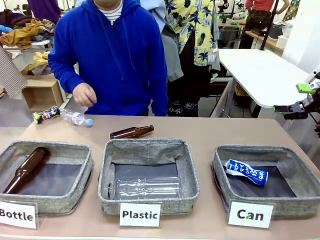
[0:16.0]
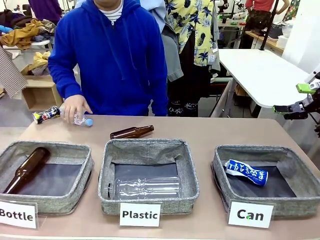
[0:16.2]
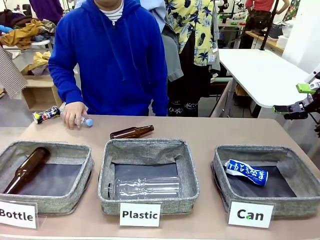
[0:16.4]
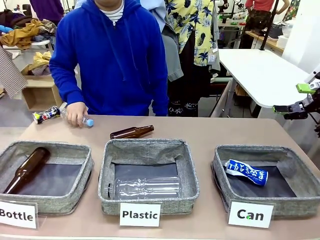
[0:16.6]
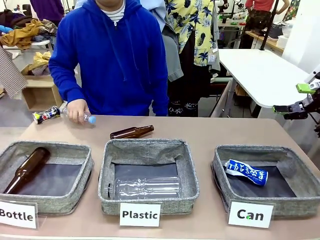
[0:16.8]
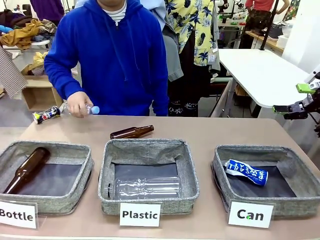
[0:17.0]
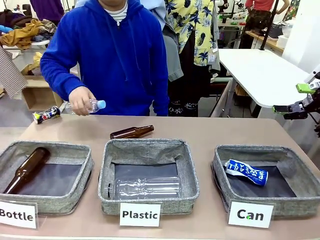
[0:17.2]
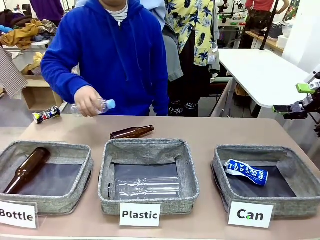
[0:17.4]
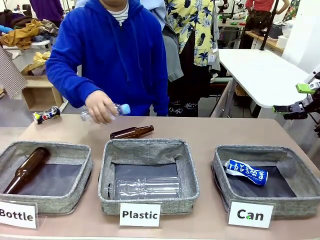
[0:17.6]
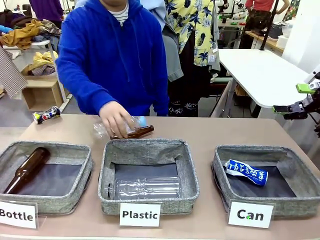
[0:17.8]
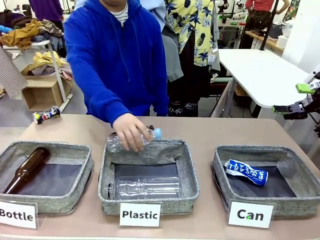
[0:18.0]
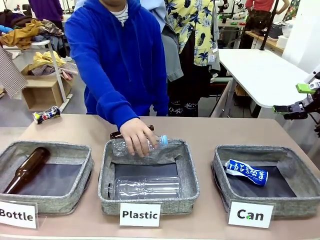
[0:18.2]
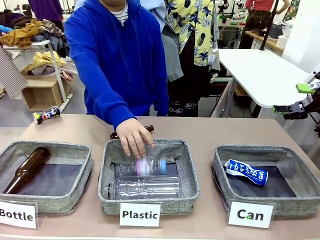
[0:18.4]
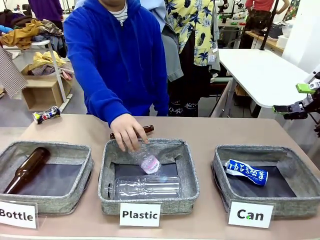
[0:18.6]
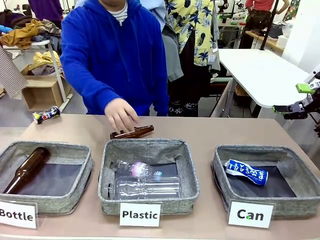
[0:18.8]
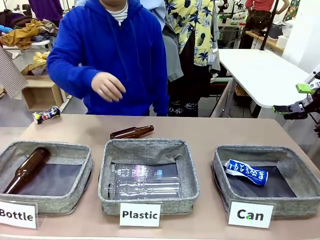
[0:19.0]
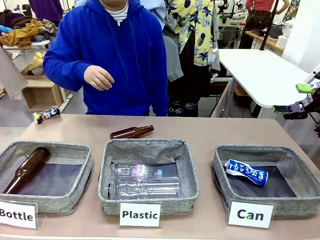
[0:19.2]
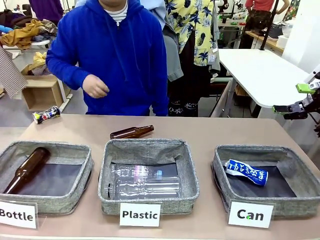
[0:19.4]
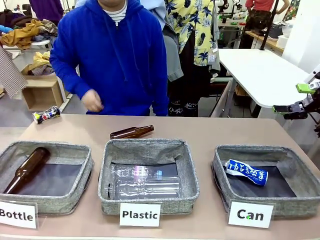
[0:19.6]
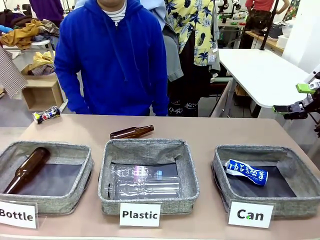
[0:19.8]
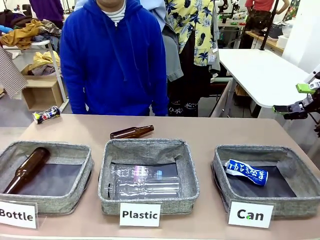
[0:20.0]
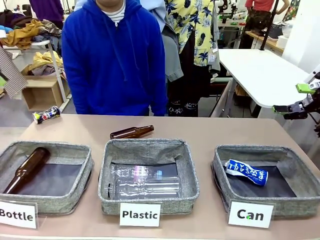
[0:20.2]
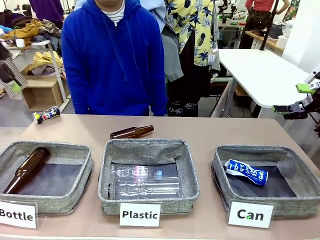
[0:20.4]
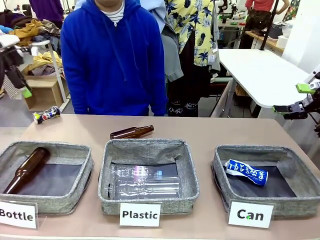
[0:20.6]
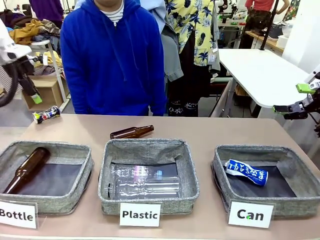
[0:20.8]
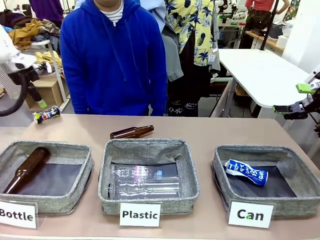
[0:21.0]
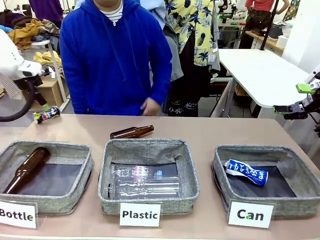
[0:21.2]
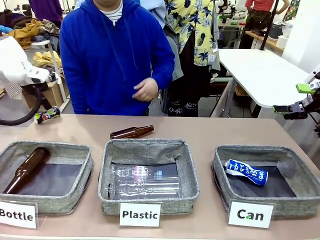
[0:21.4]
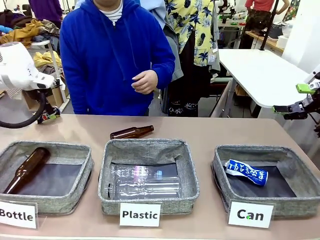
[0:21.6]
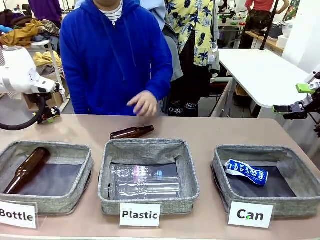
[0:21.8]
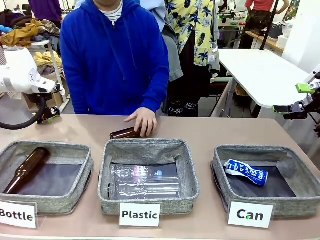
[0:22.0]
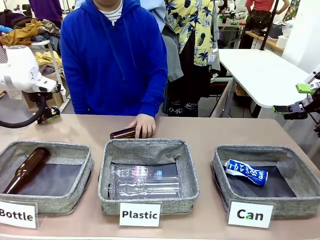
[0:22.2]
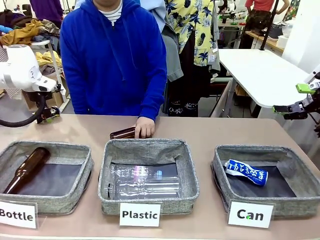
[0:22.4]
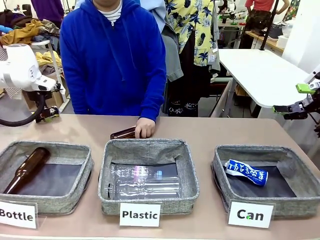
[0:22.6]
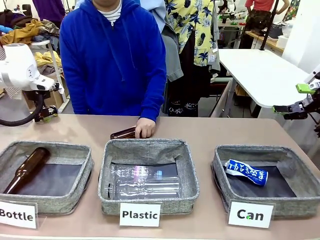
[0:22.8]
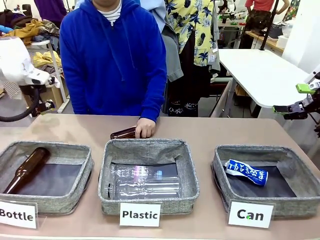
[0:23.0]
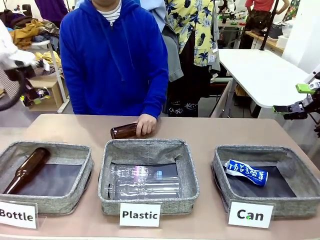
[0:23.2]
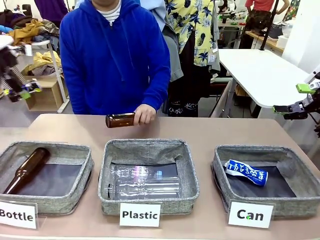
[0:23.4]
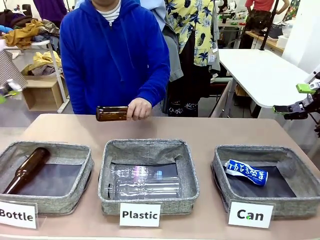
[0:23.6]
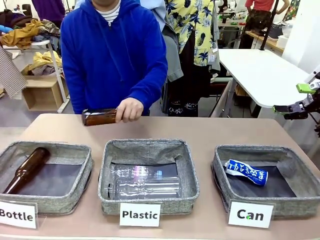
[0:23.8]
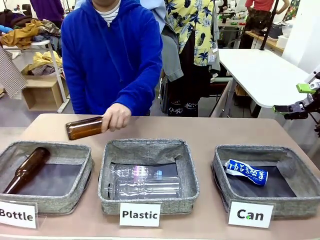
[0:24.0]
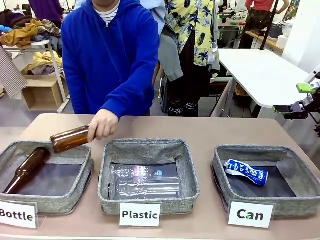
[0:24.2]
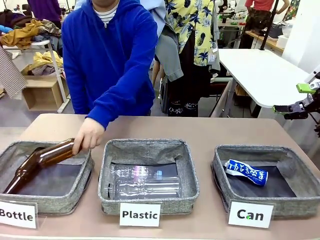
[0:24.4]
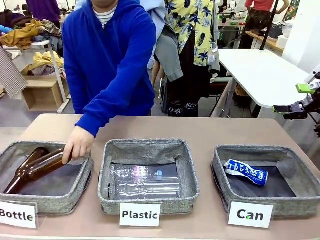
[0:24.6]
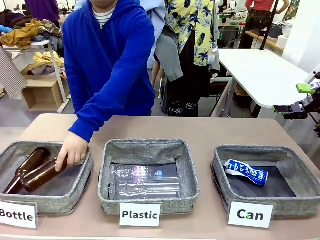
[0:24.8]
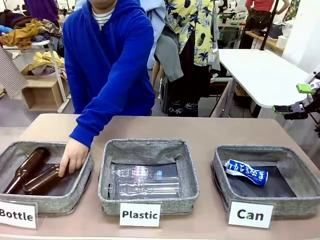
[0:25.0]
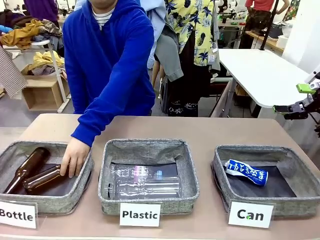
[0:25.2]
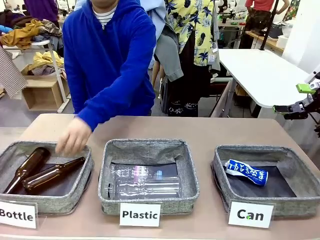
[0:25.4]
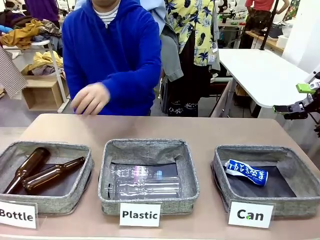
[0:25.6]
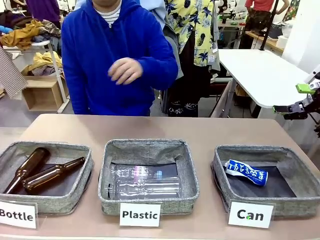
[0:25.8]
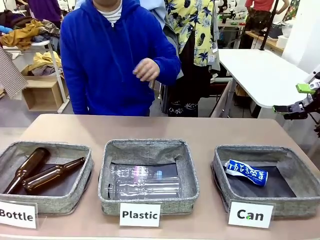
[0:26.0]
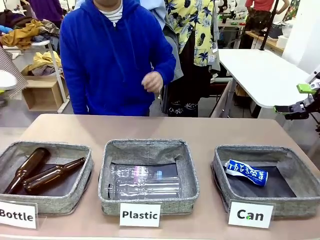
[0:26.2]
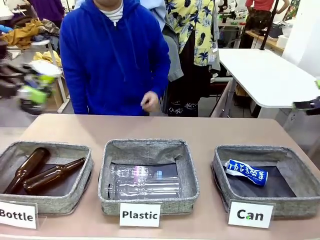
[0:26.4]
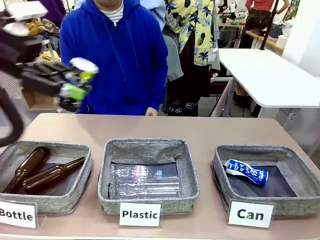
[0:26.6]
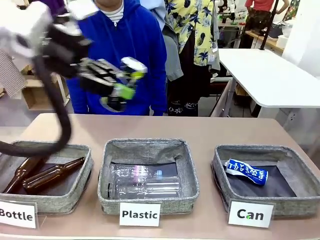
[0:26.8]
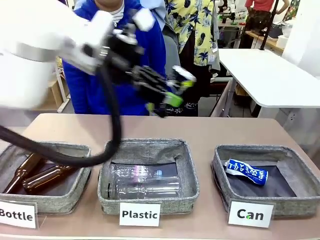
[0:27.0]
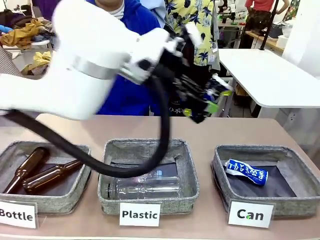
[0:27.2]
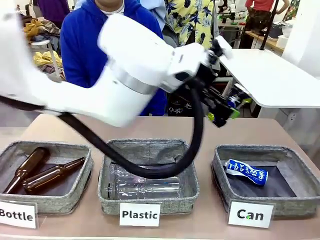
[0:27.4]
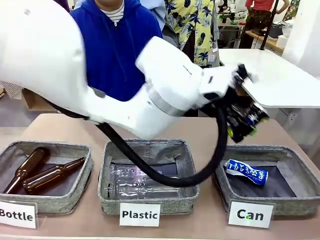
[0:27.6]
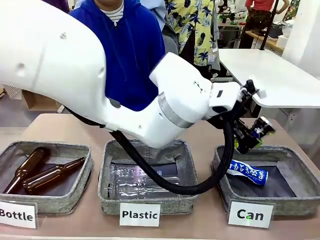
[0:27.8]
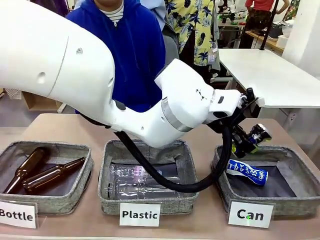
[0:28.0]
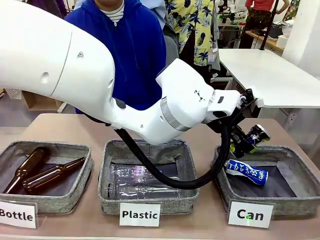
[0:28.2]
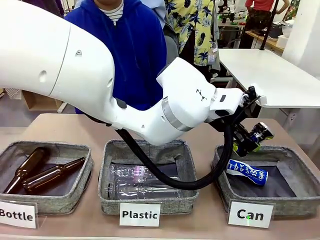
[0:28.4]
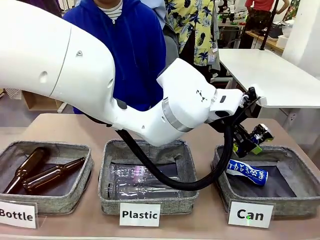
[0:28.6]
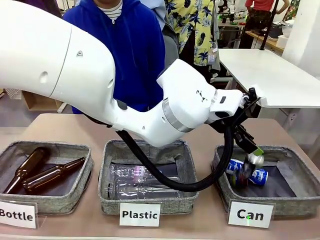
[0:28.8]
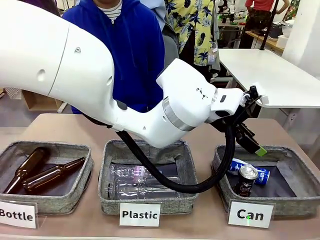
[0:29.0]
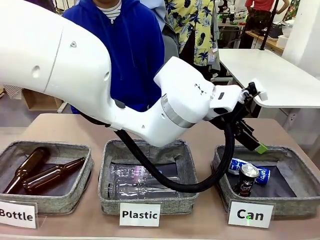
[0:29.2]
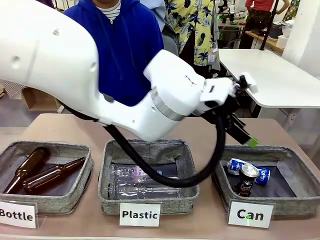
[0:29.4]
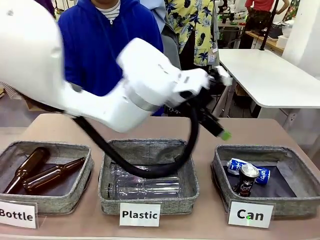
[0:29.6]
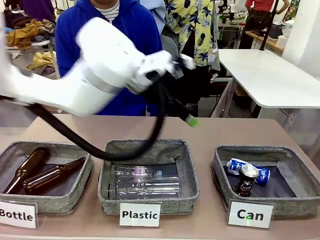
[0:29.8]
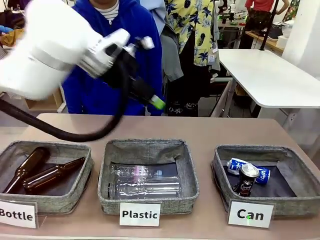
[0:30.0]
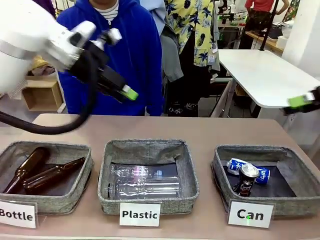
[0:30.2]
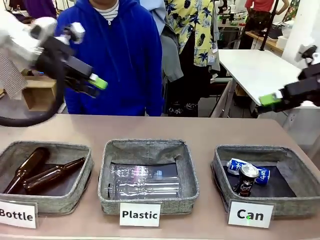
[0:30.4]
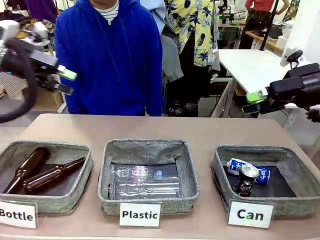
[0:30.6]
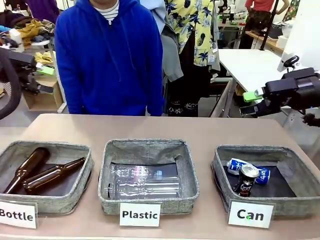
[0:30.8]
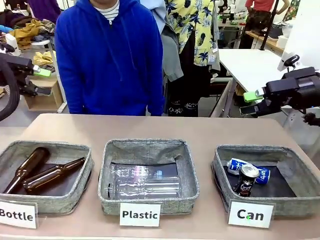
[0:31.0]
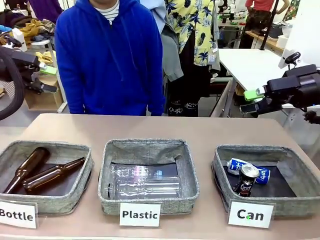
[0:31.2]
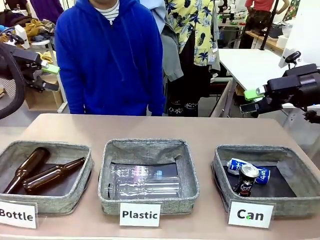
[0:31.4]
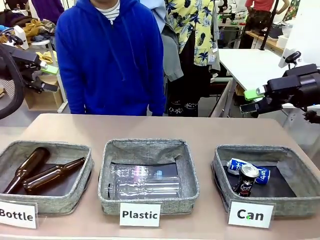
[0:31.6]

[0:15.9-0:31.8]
Task: Sort the can waste into the basket.
Robot: Pick up the can waste from the table and place it in the right Fabric basket.
